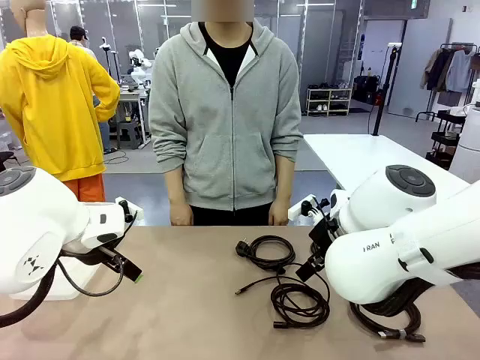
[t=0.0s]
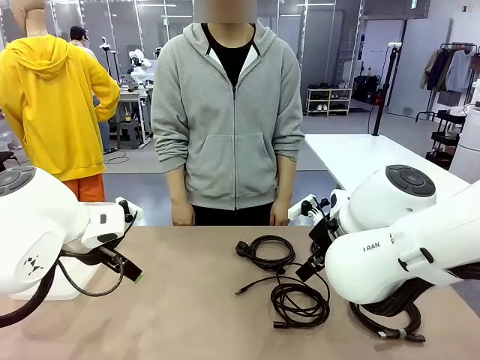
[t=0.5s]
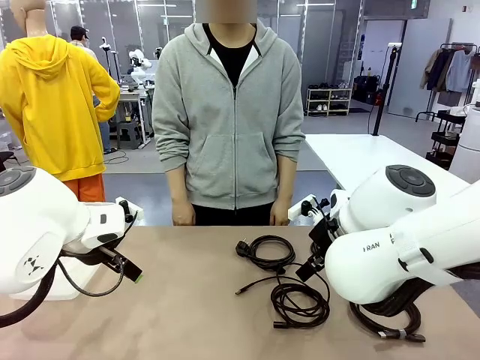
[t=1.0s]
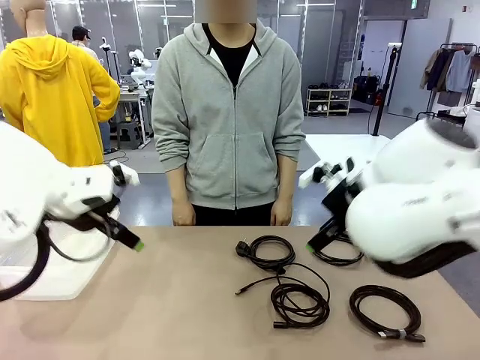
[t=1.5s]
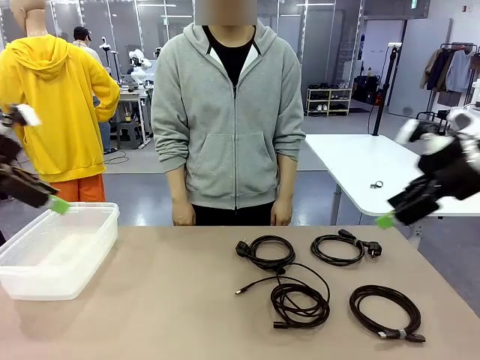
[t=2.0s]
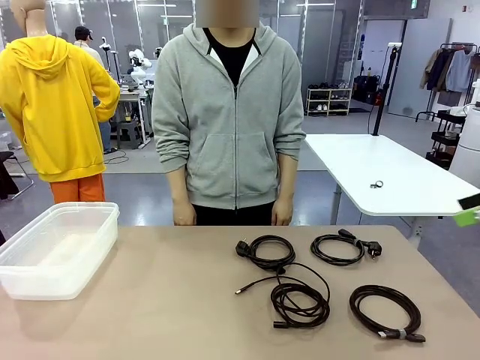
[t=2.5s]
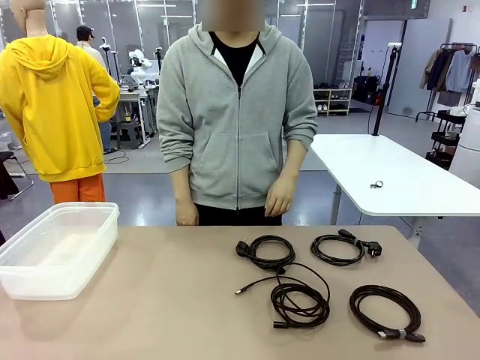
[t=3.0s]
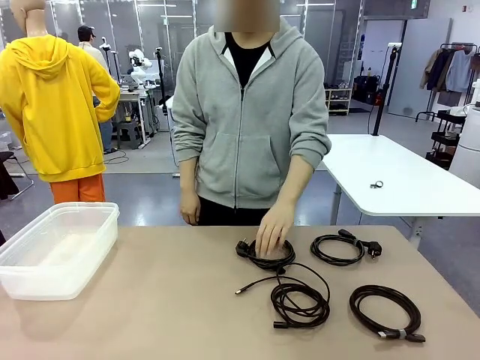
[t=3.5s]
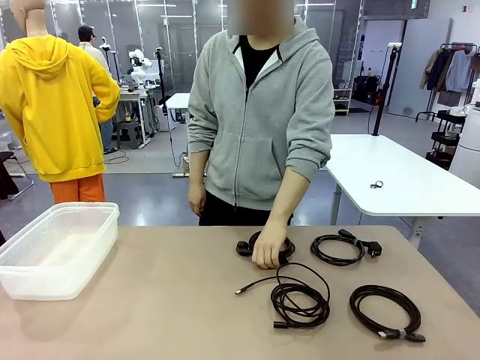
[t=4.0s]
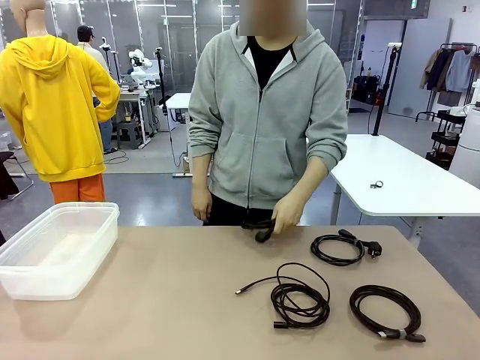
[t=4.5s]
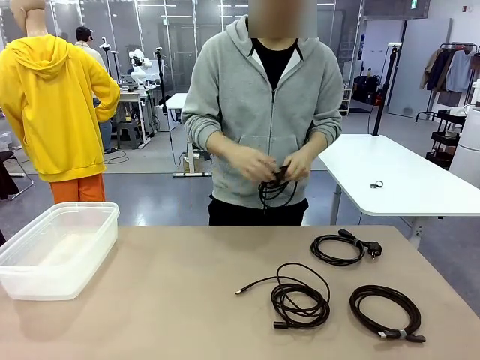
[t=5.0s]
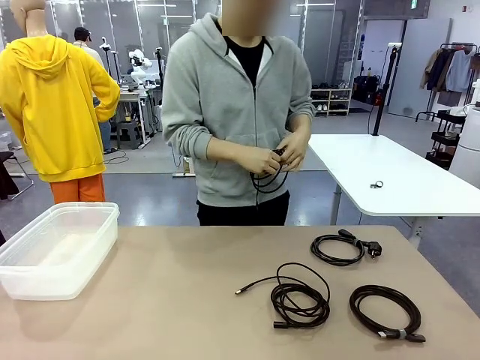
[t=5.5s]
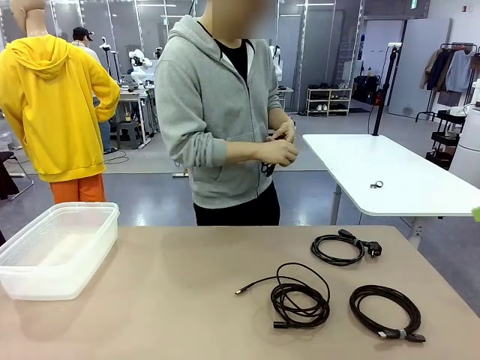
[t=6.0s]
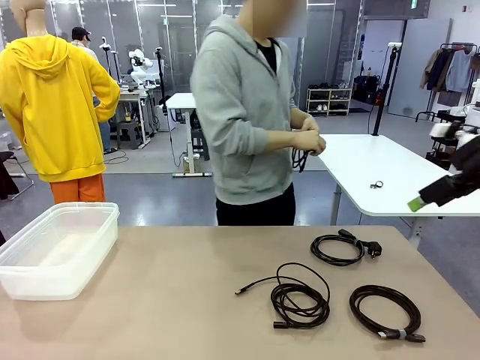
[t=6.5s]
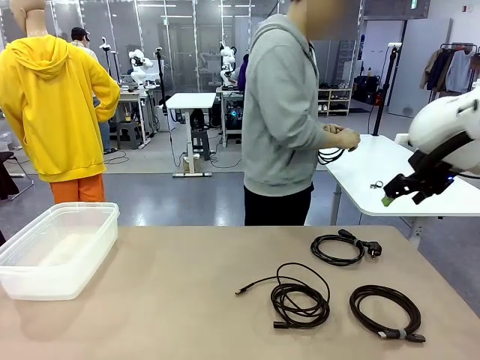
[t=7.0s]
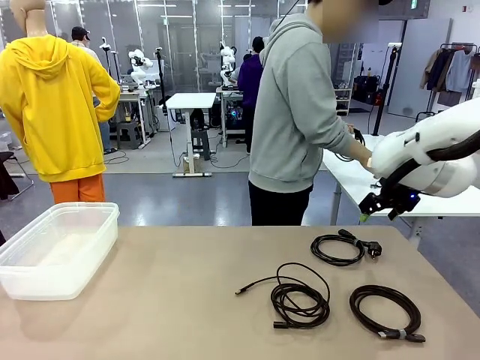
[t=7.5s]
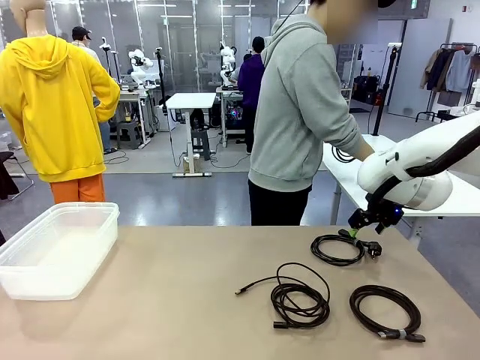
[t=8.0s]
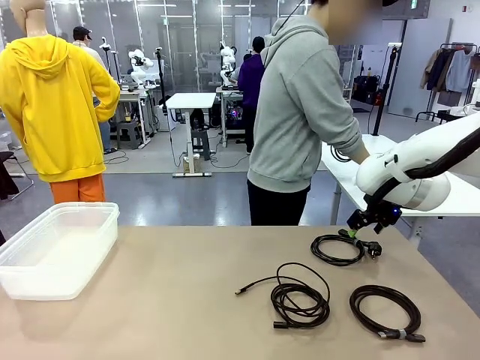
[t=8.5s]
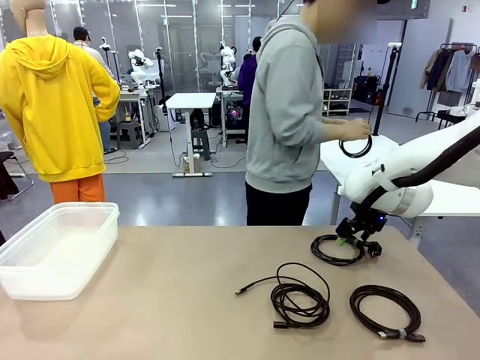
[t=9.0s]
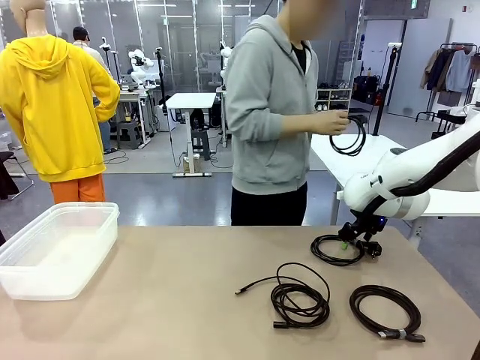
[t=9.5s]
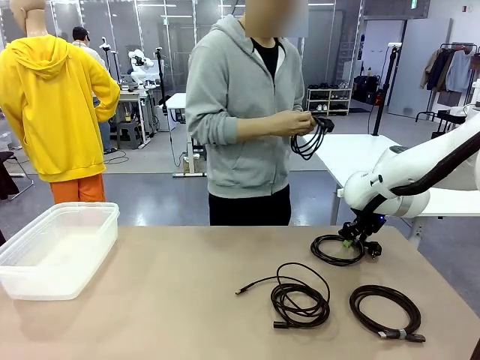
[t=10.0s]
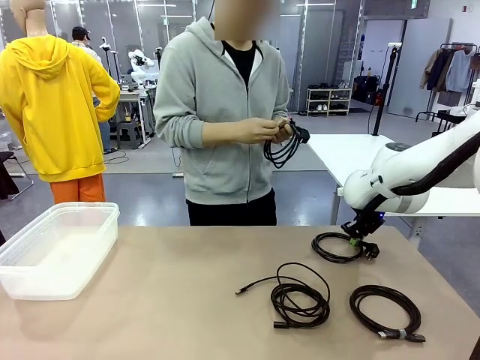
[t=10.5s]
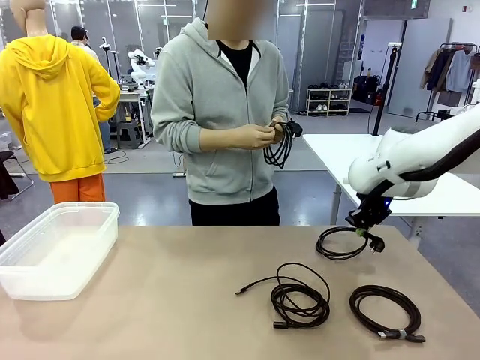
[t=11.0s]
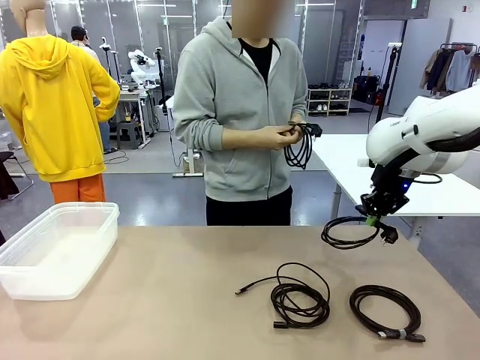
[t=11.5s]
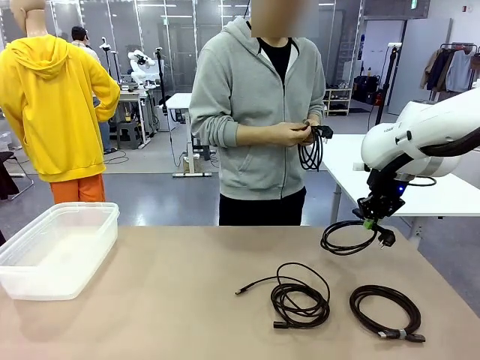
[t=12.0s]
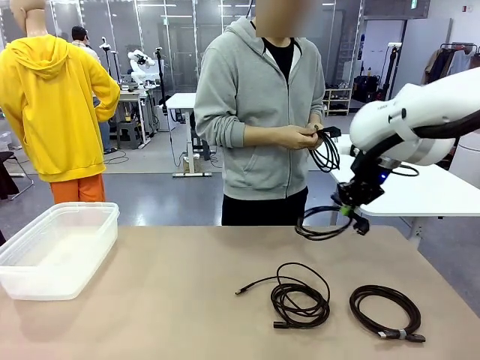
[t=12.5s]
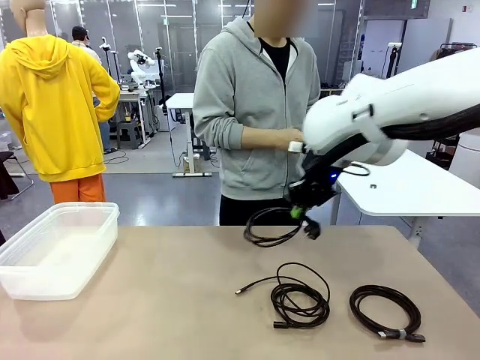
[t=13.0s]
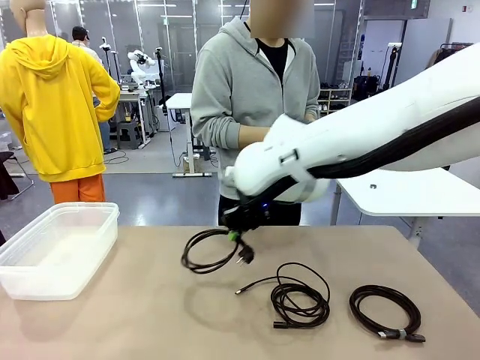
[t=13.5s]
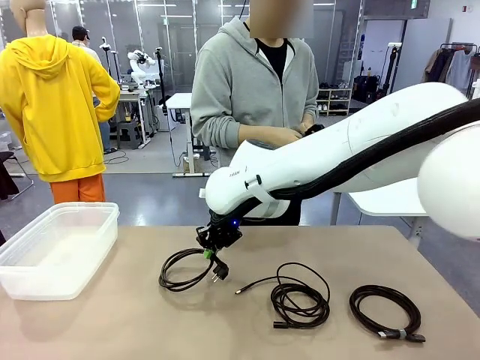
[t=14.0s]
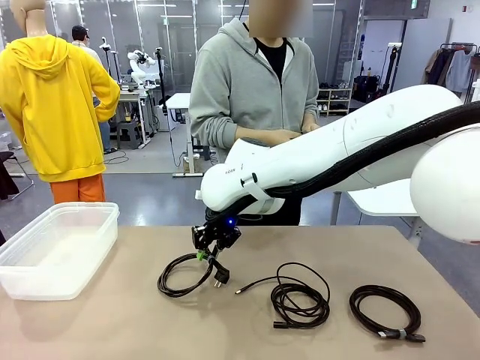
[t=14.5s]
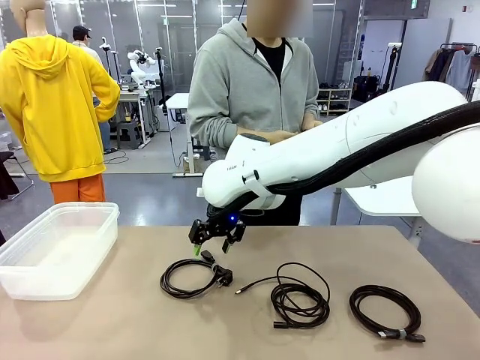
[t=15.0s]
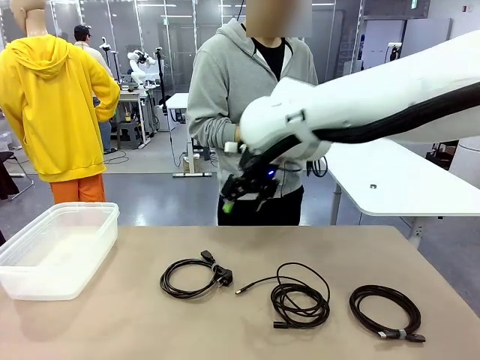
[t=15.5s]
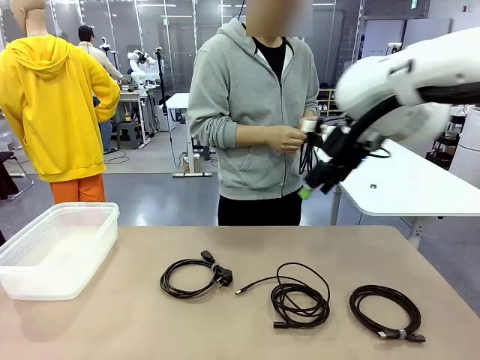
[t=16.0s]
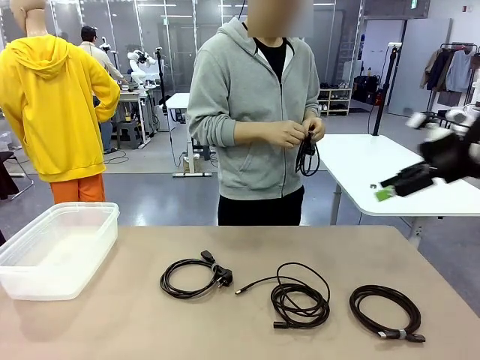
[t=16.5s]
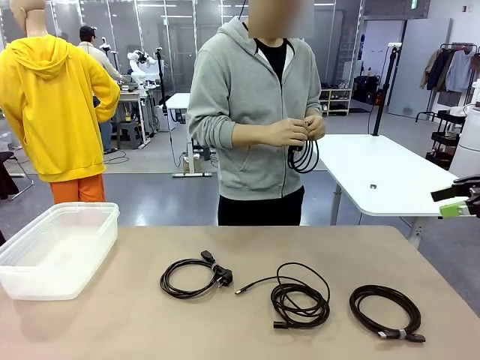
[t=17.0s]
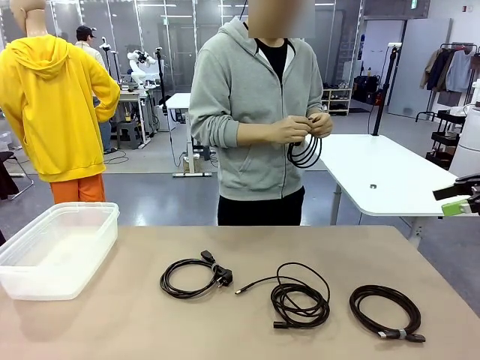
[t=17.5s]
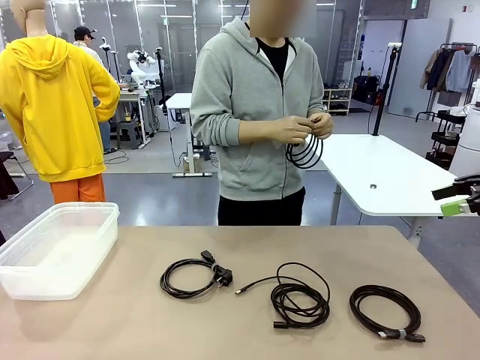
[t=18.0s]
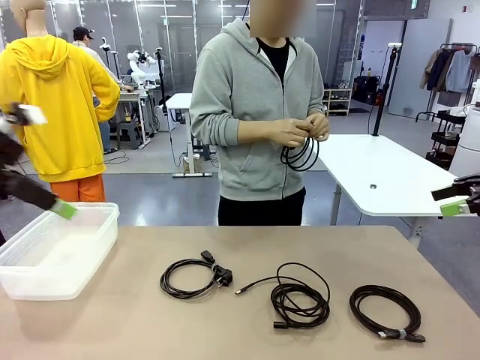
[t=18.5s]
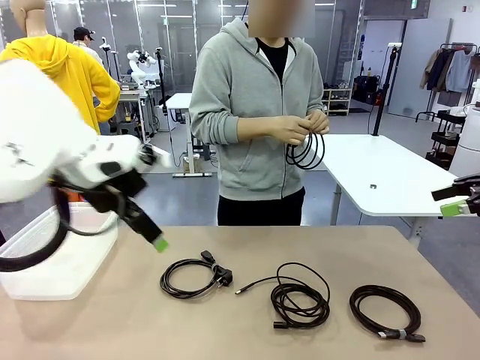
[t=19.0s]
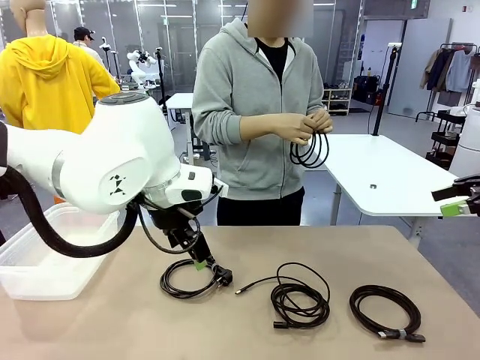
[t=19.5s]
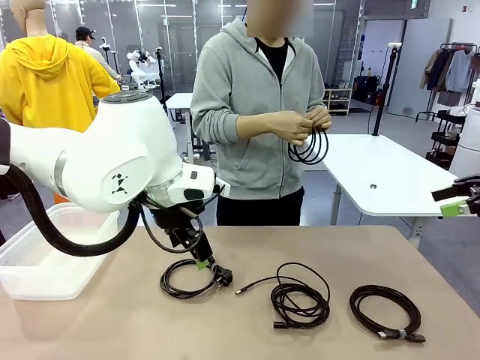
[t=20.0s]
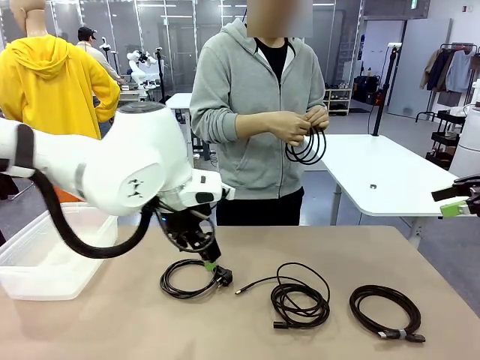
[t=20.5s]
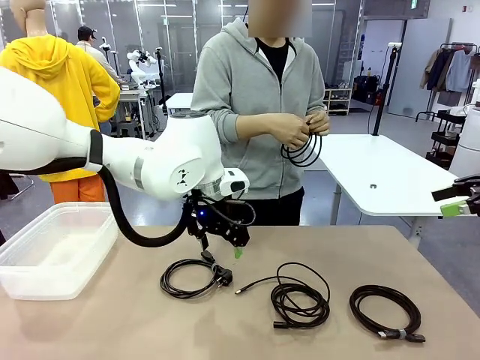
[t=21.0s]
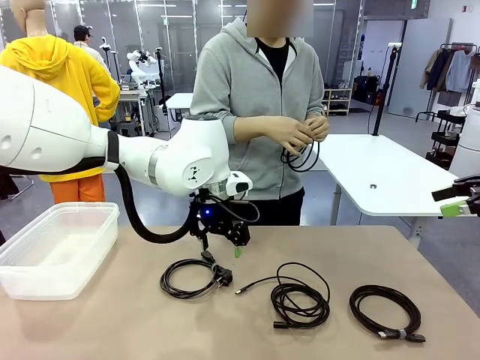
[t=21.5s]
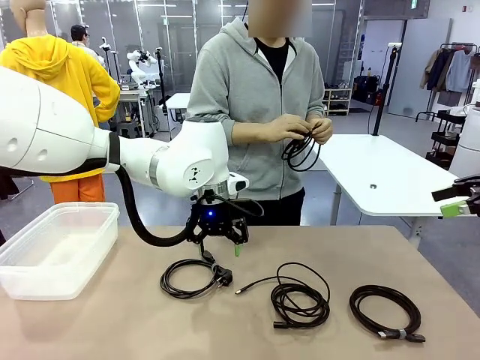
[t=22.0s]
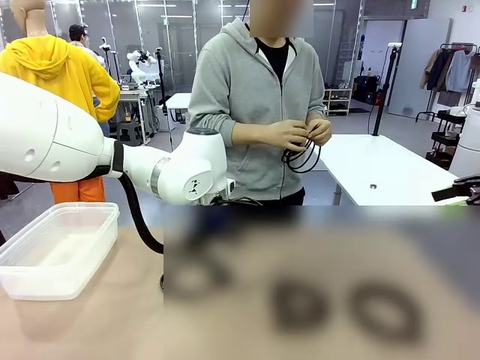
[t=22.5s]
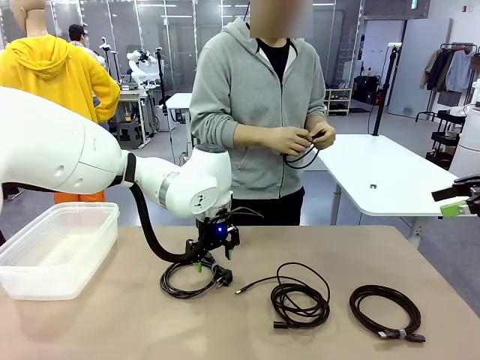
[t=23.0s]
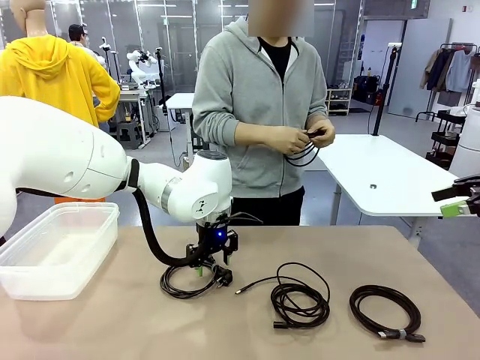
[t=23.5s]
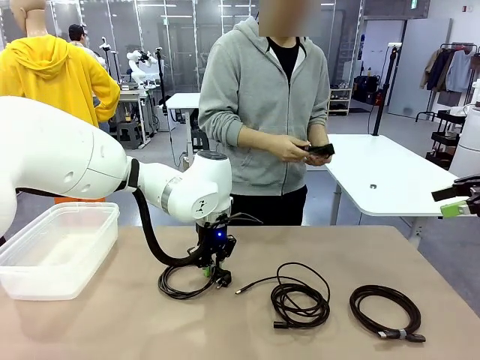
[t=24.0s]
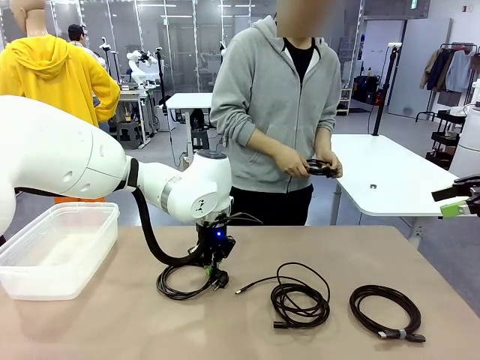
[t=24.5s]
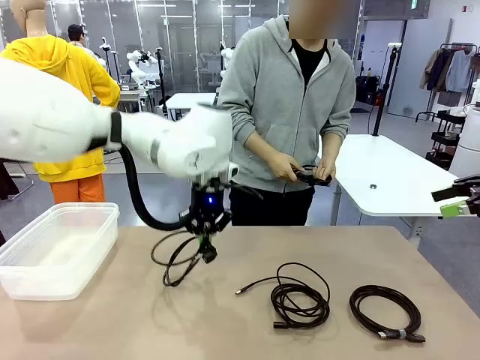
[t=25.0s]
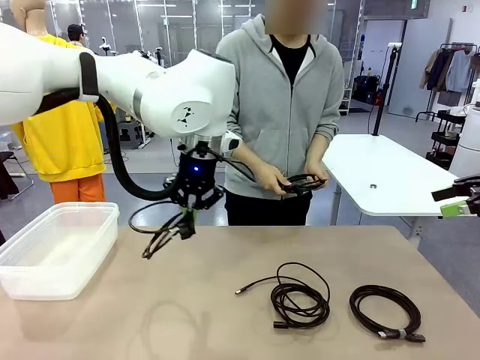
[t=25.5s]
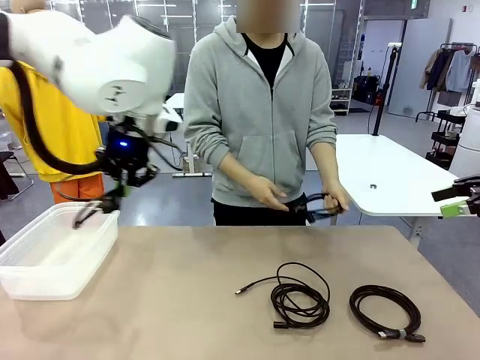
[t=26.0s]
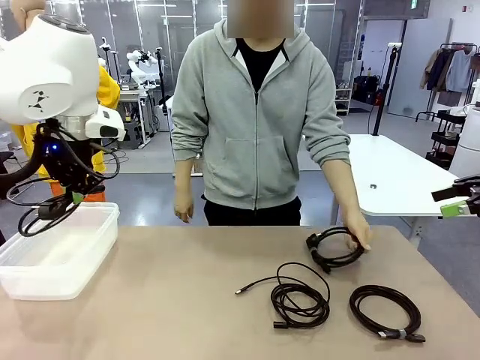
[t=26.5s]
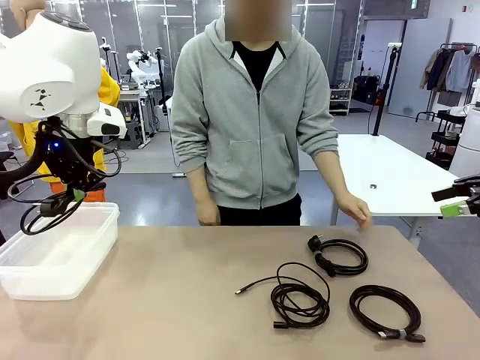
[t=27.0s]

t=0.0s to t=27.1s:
Task: Organize and store the cables.
Robot: Place the Power Cable into the Organizing box.
Person: Tie one Power Cable with a Reusable Cable Tie.
